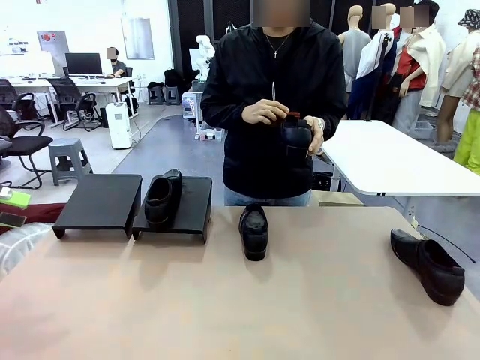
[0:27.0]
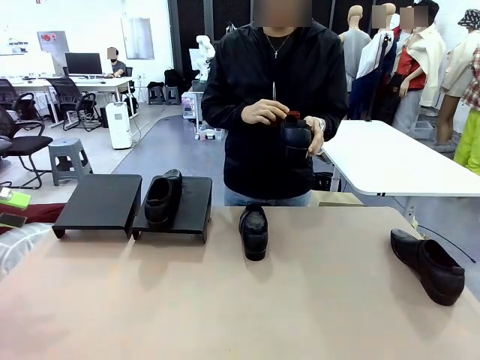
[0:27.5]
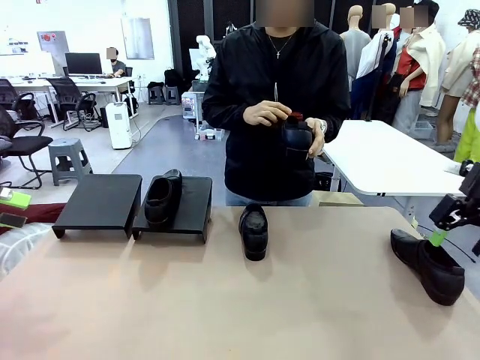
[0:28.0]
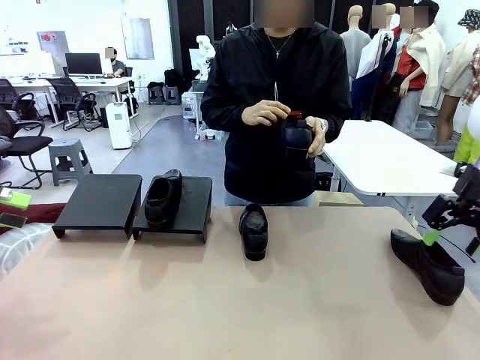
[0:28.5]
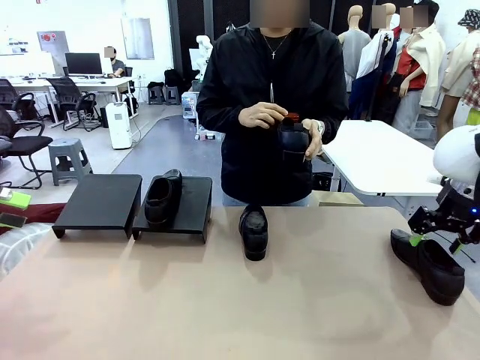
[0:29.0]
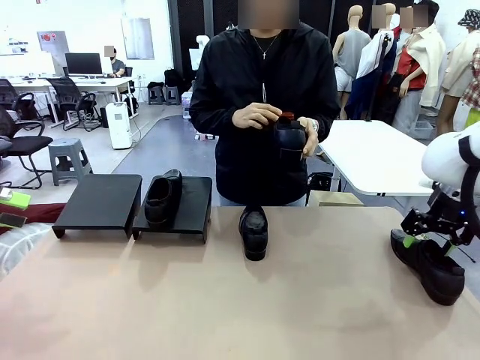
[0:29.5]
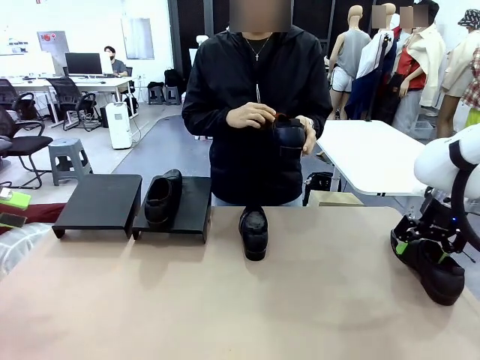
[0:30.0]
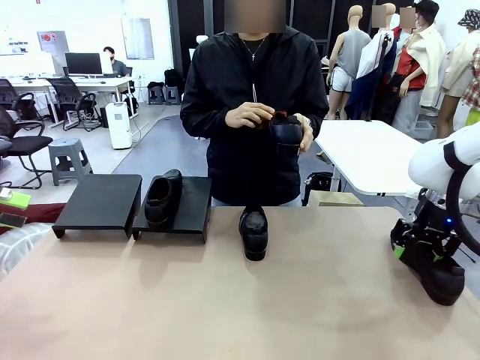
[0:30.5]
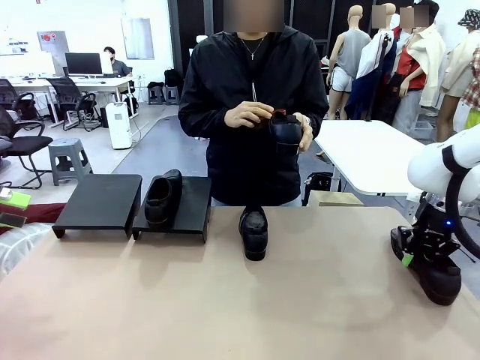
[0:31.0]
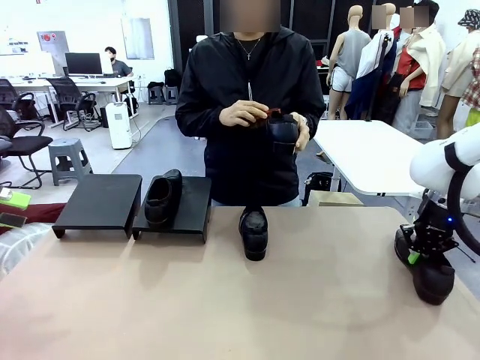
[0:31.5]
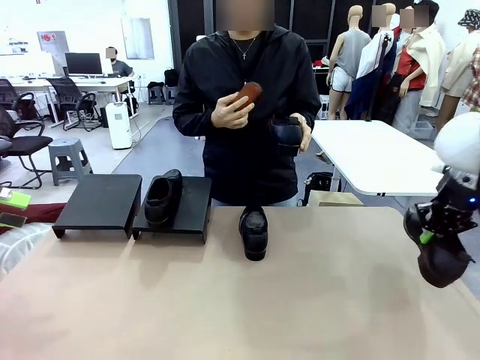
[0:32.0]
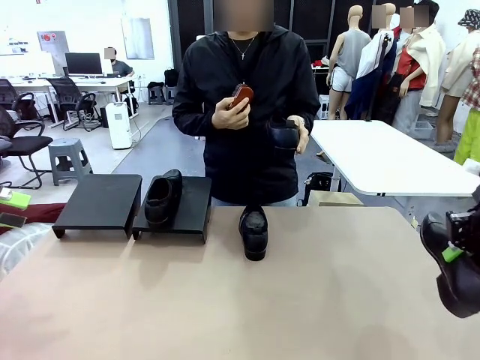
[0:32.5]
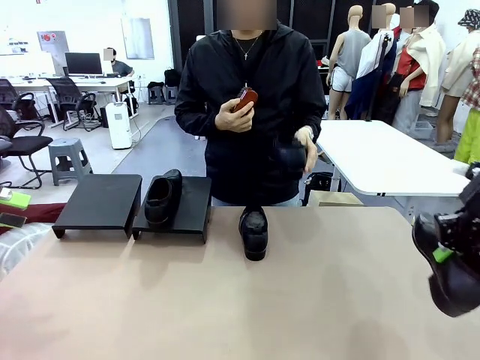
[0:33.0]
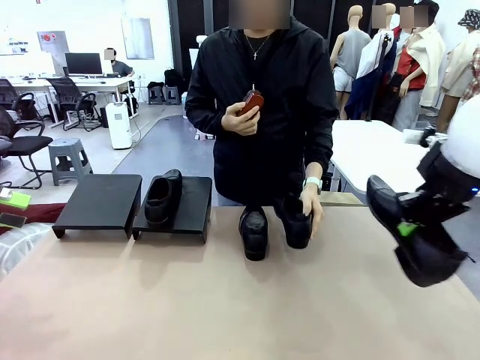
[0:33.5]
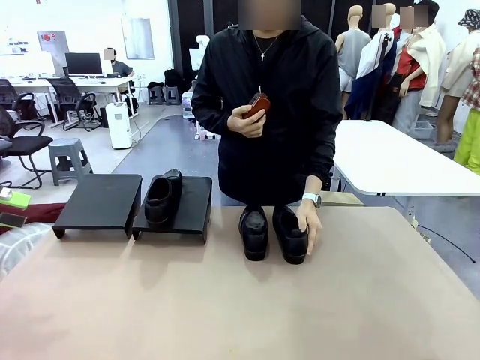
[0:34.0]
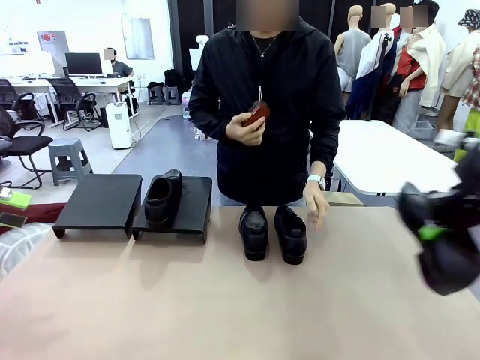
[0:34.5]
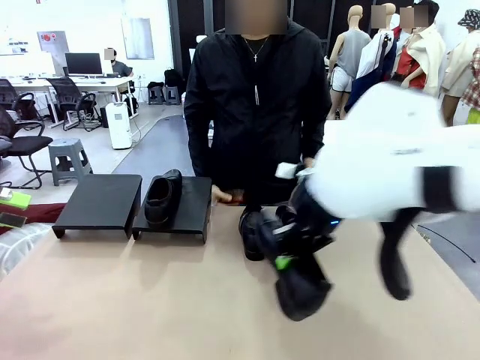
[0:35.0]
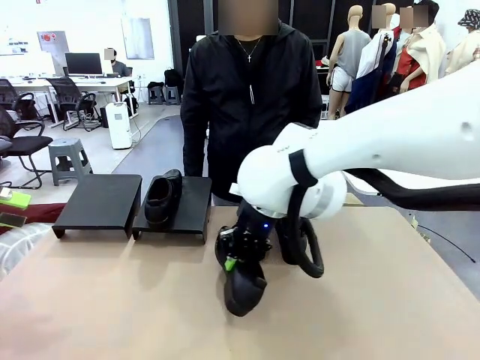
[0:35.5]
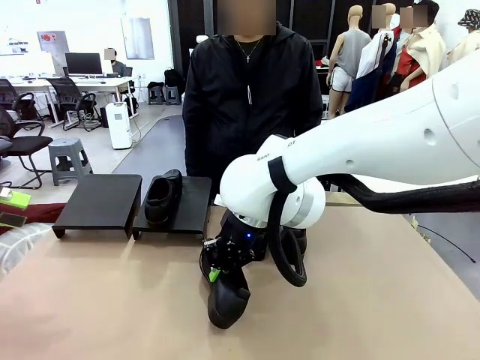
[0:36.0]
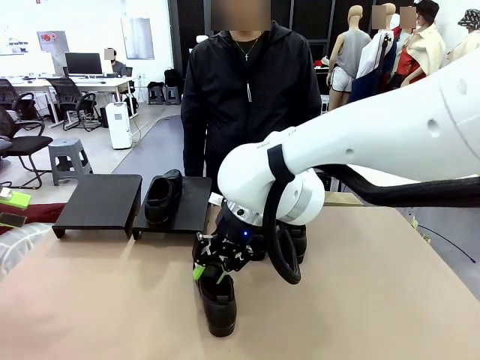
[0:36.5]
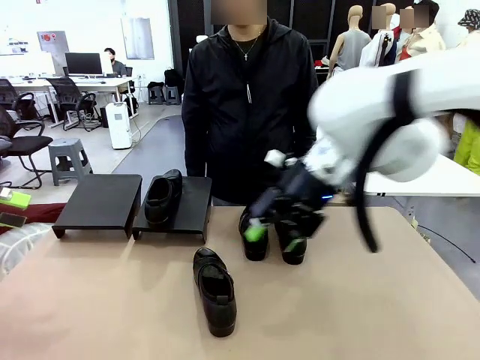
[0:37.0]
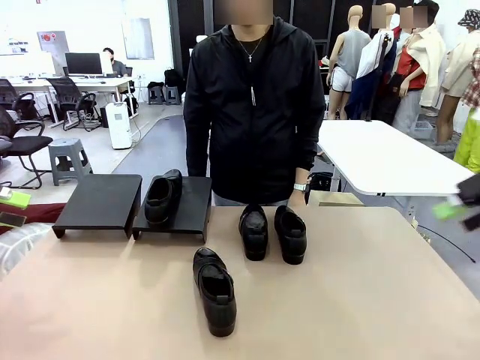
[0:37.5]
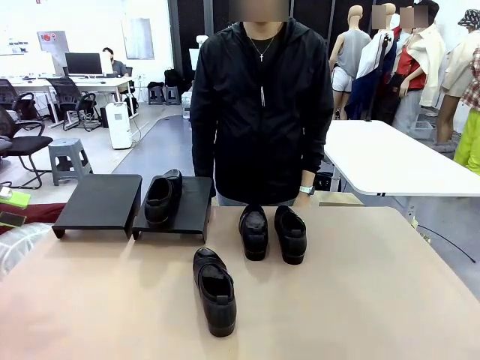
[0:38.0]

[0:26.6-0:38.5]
Task: Organize the shoes by placing them on the stand.
Robot: Pick up one Shoe and place it in the middle of the table.

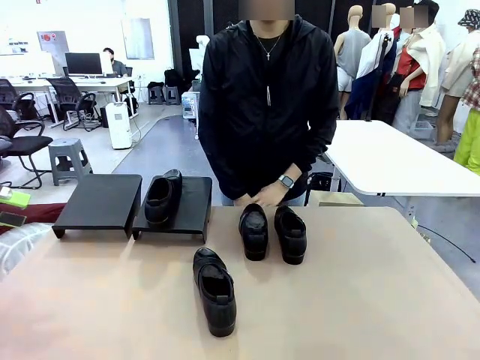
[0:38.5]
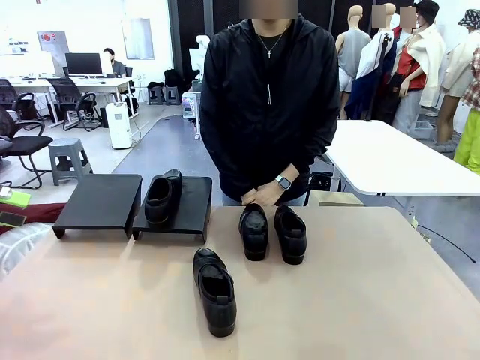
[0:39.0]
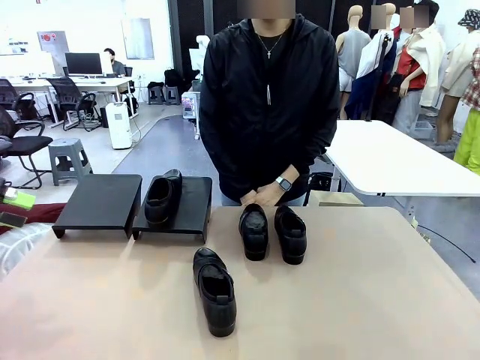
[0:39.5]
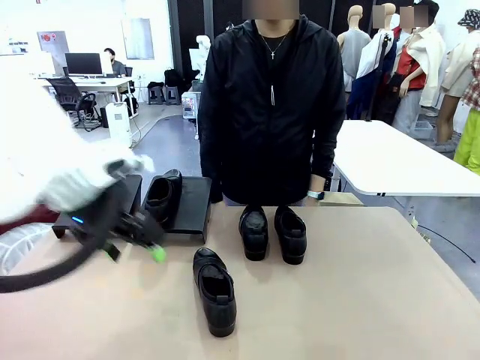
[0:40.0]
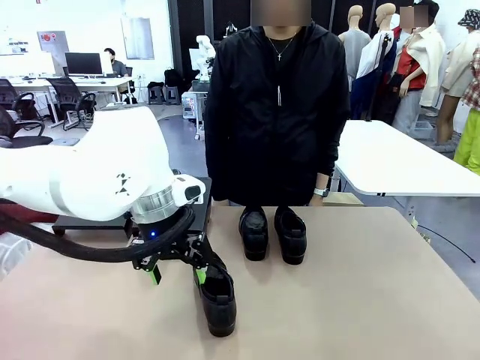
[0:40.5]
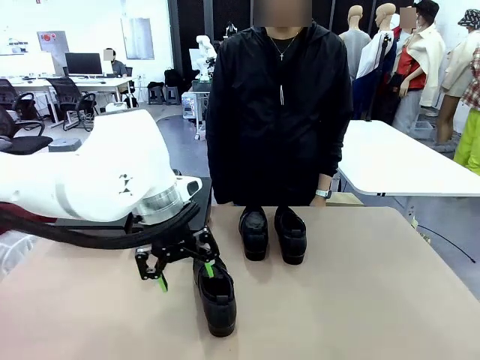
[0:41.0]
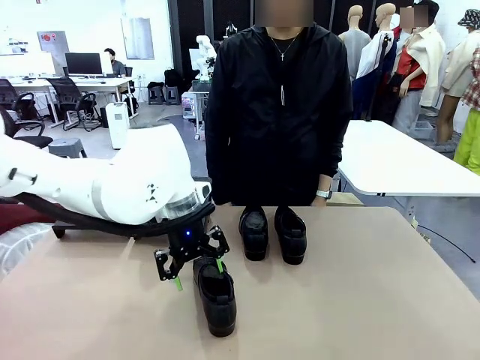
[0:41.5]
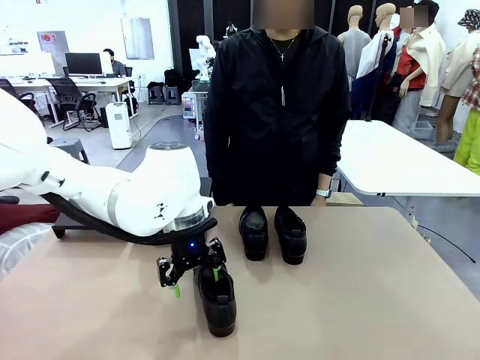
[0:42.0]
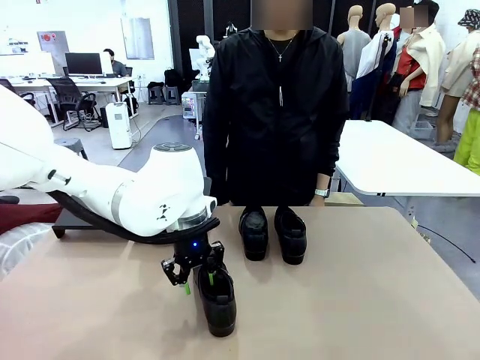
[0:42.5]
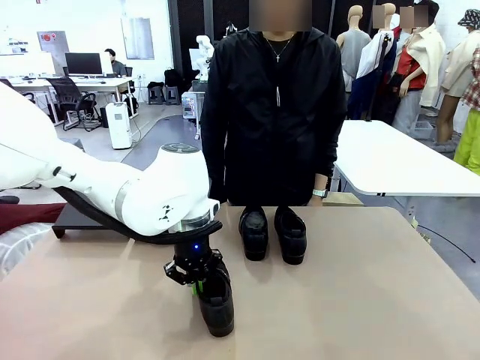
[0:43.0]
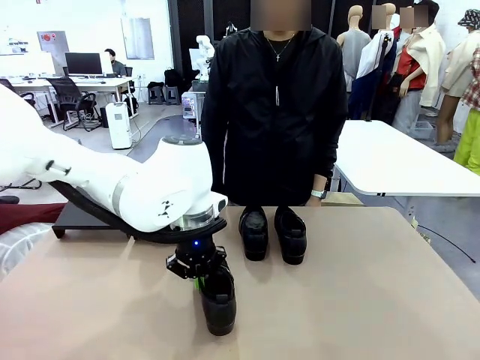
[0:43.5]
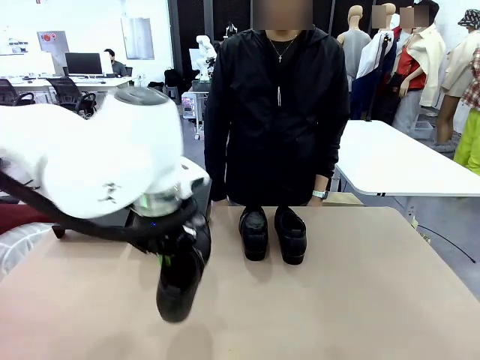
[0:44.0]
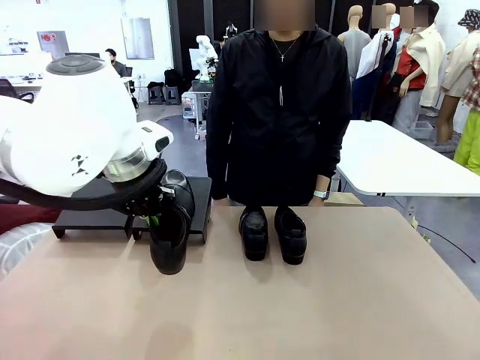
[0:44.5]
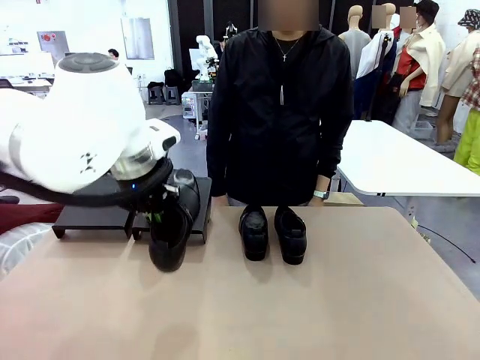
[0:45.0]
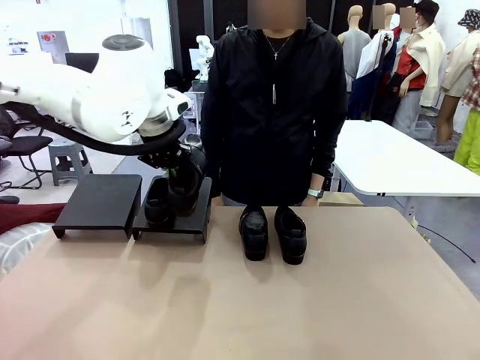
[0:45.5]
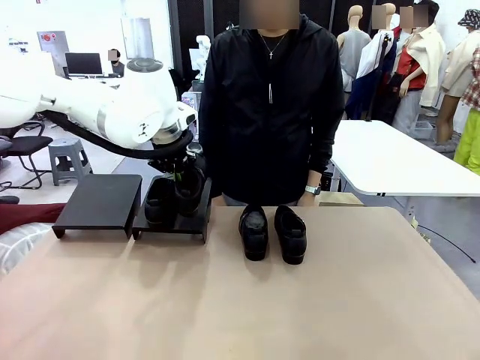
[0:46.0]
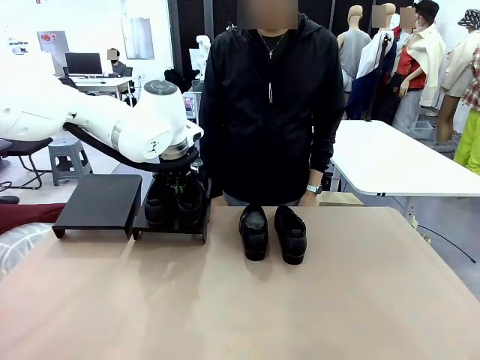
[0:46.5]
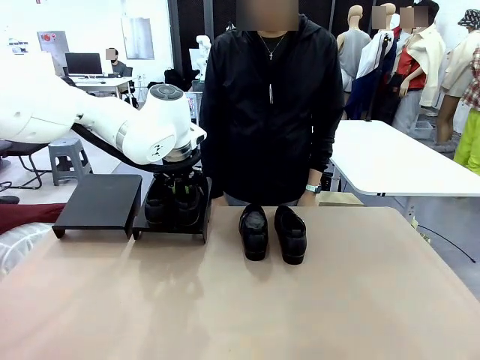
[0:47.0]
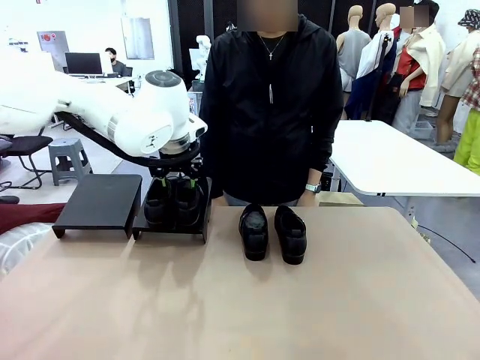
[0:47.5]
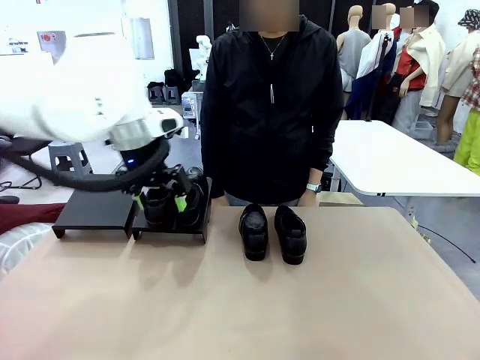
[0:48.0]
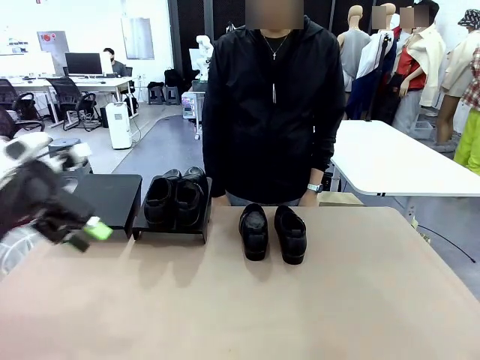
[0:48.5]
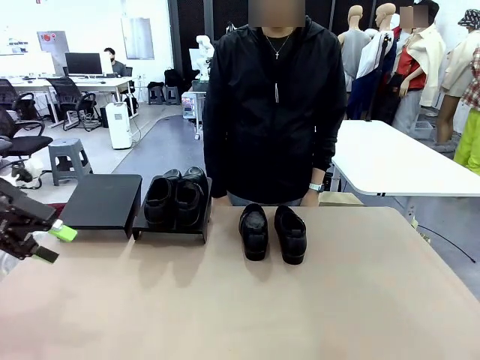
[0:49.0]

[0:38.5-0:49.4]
Robot: Place the Shoe from the middle of the table onto the Shoes Stand.

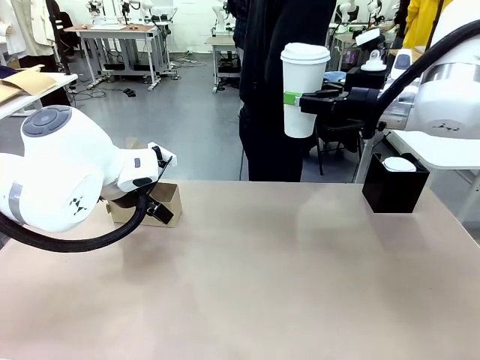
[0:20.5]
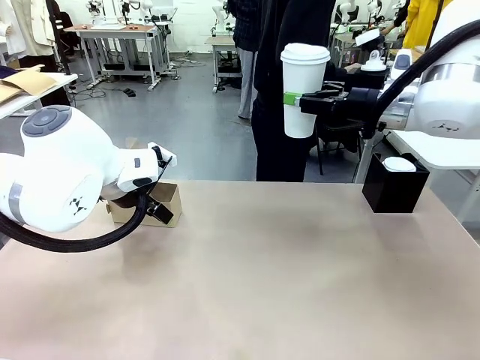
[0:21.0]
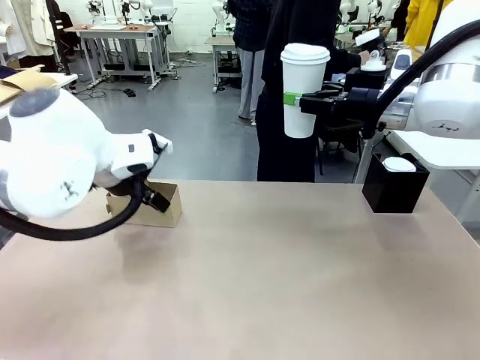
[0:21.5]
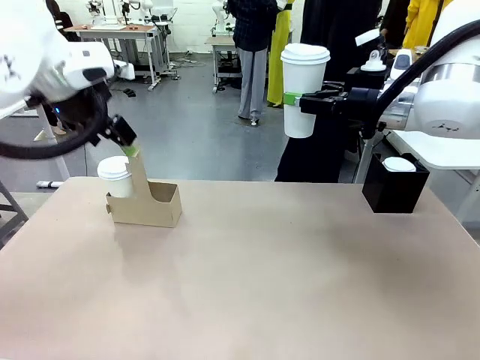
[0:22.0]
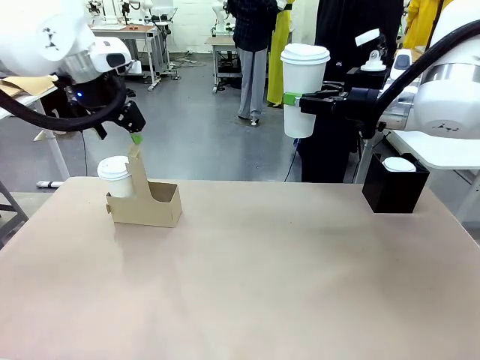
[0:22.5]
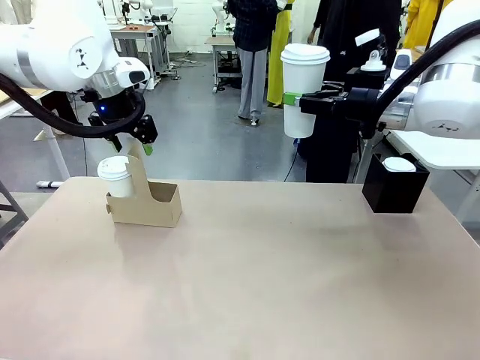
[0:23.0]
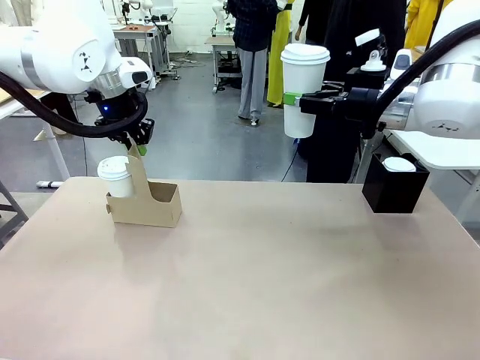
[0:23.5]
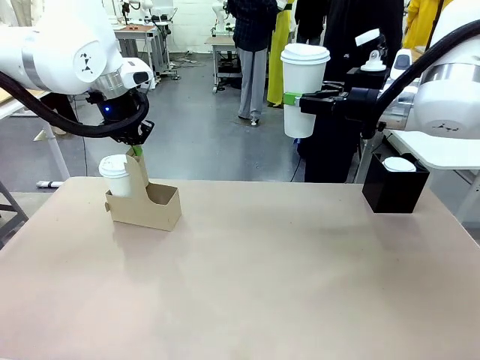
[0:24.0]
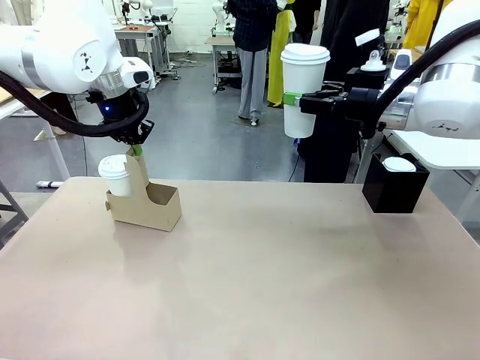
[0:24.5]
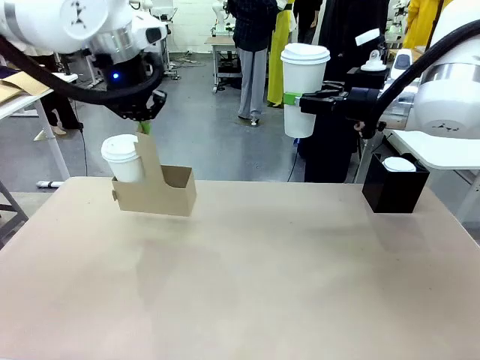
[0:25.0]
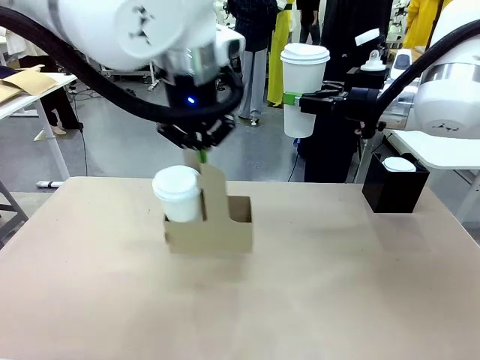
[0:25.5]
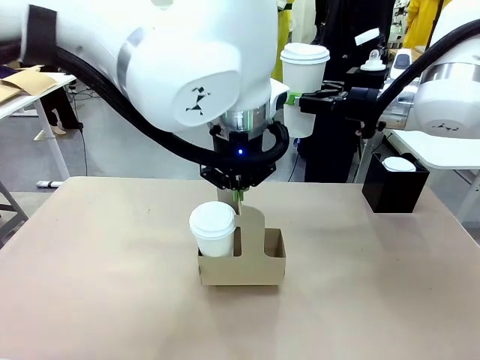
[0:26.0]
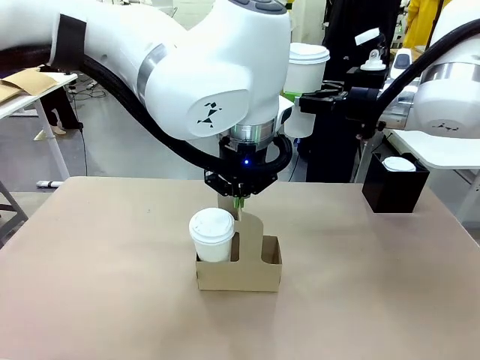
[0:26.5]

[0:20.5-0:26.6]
Task: Pour a drink into a cup and package it in a carrier.
Robot: Position the Cup Carrier in the center of the table.
